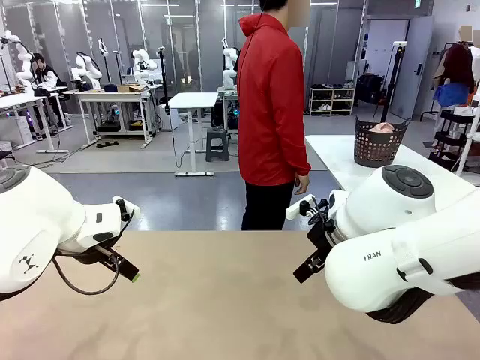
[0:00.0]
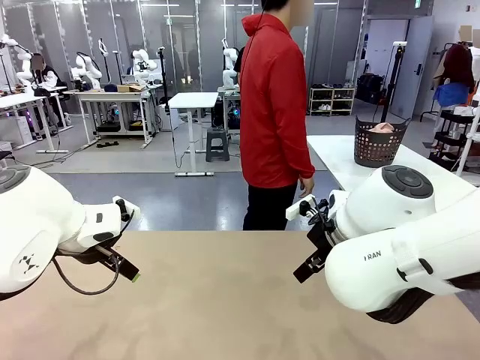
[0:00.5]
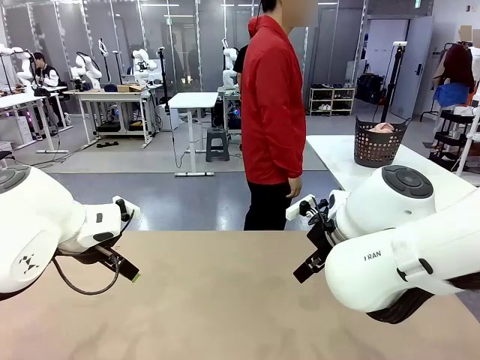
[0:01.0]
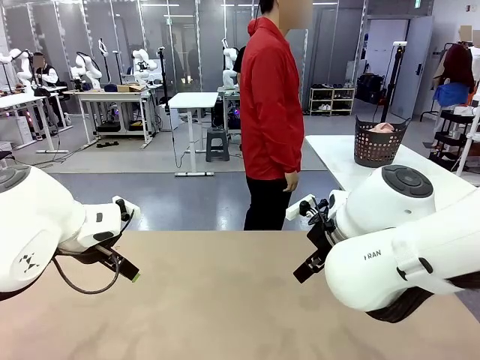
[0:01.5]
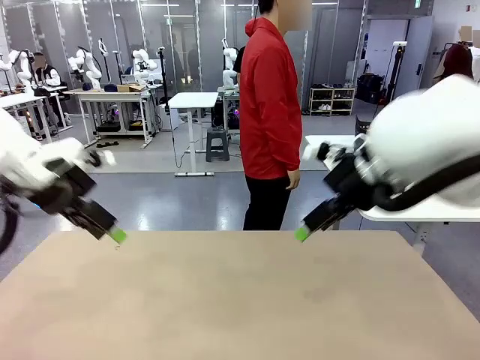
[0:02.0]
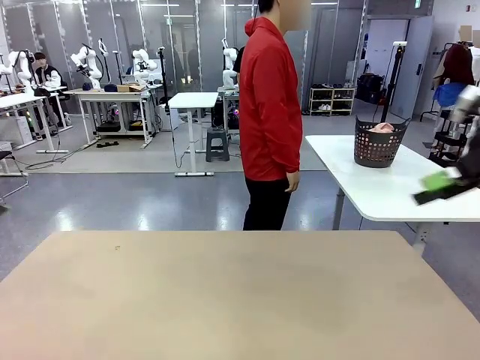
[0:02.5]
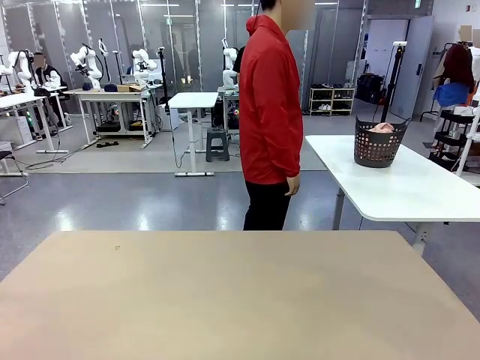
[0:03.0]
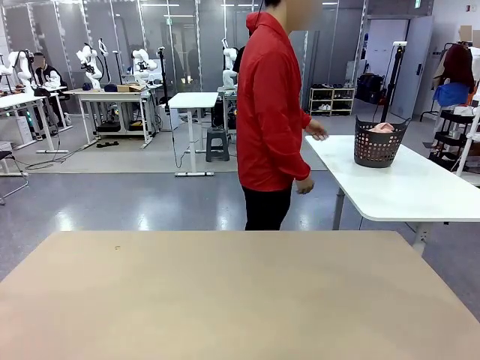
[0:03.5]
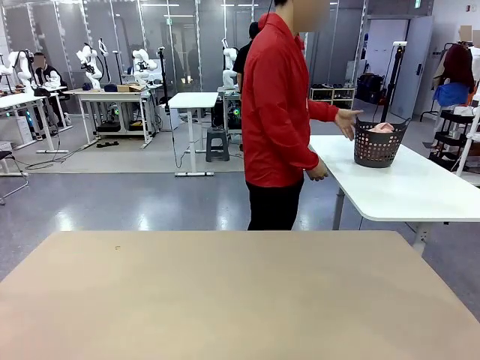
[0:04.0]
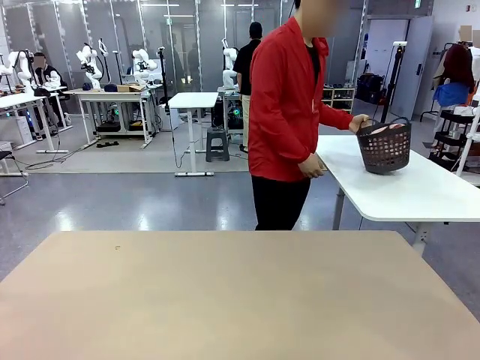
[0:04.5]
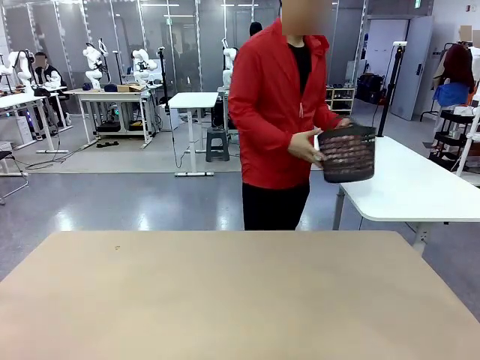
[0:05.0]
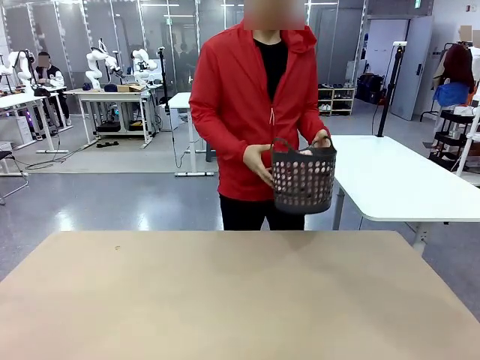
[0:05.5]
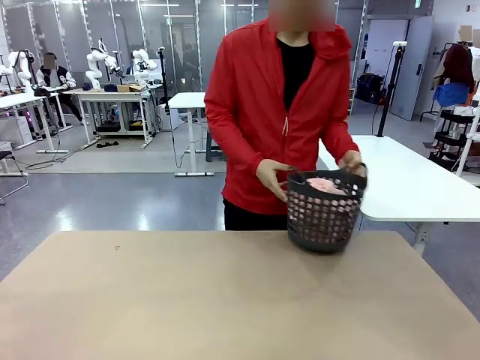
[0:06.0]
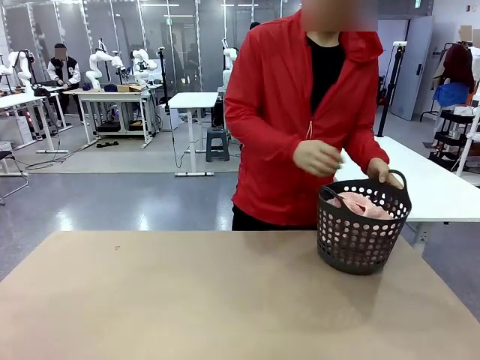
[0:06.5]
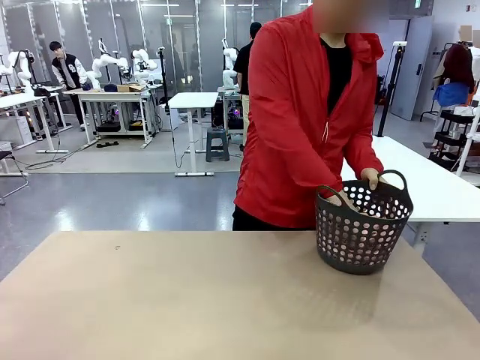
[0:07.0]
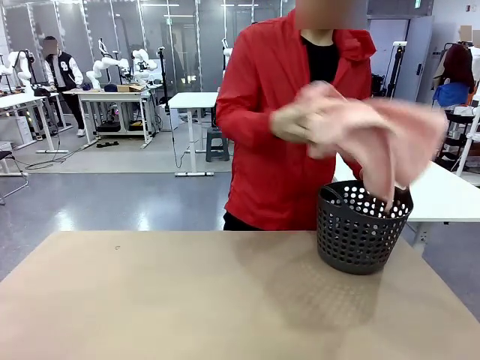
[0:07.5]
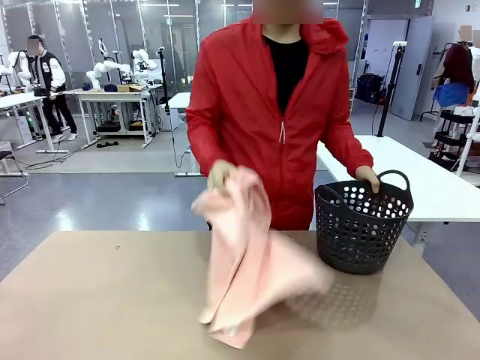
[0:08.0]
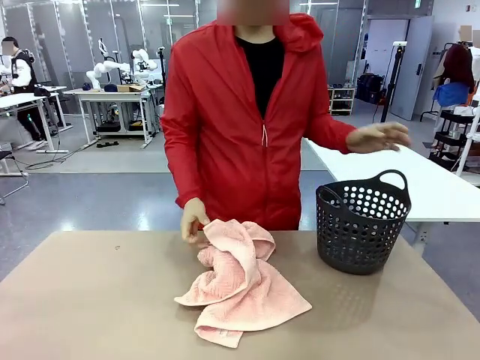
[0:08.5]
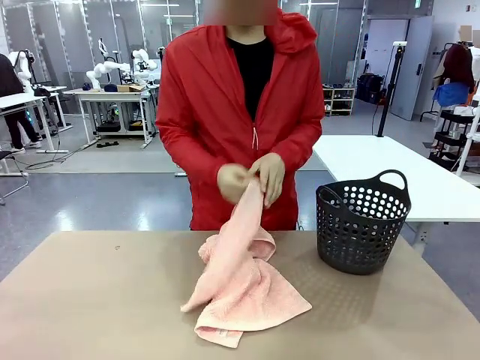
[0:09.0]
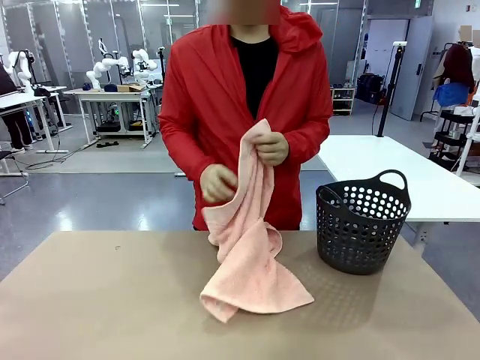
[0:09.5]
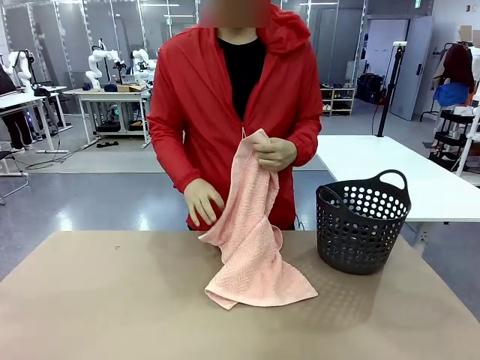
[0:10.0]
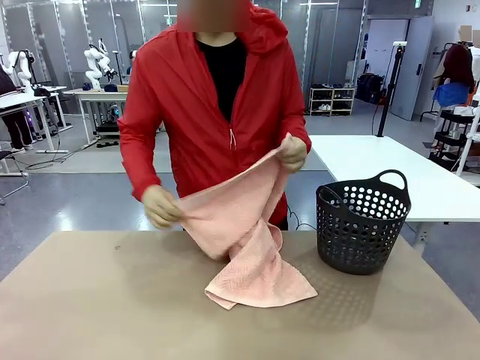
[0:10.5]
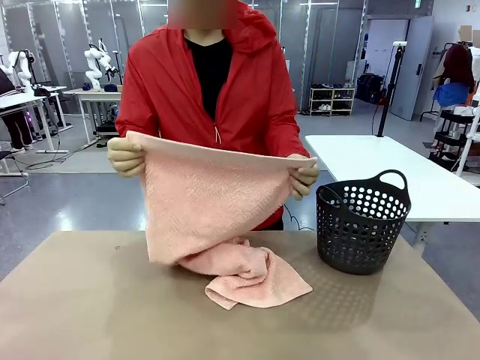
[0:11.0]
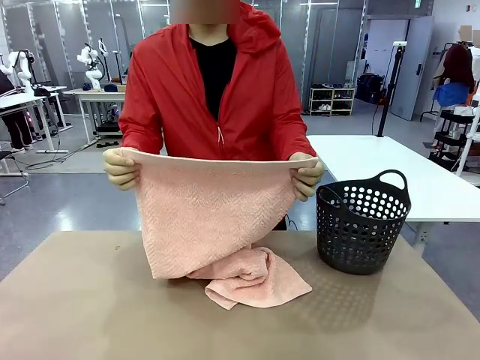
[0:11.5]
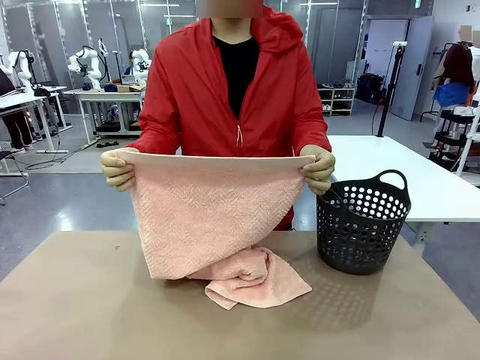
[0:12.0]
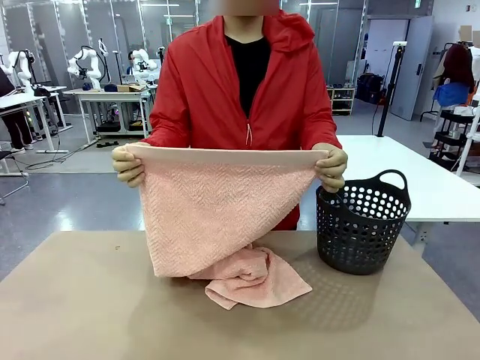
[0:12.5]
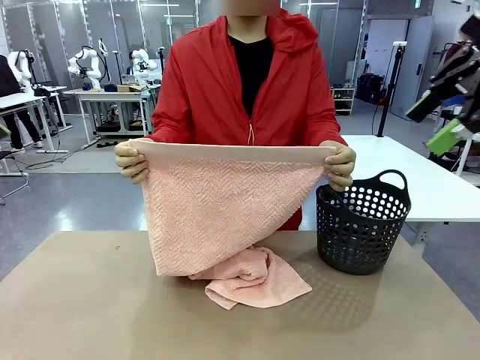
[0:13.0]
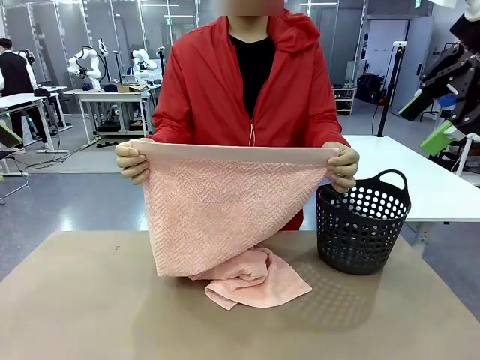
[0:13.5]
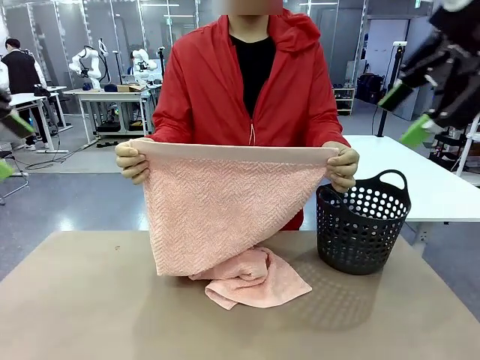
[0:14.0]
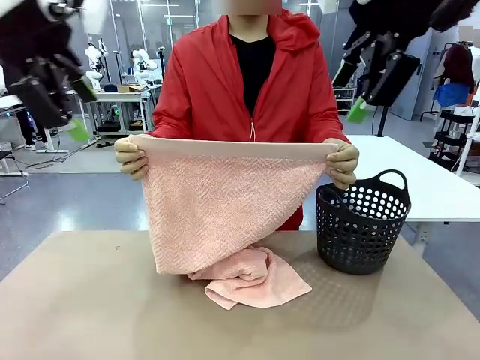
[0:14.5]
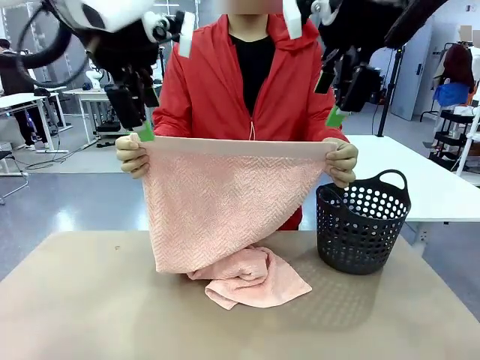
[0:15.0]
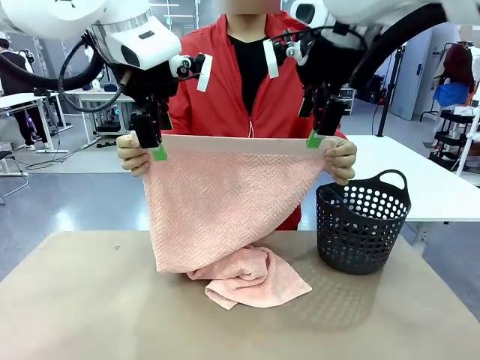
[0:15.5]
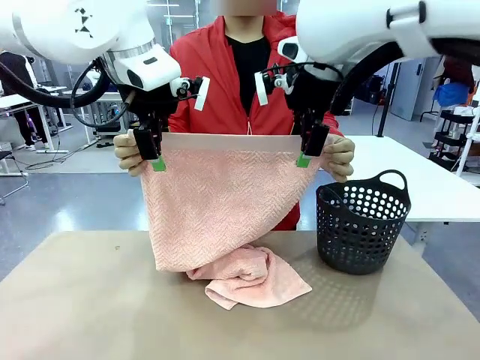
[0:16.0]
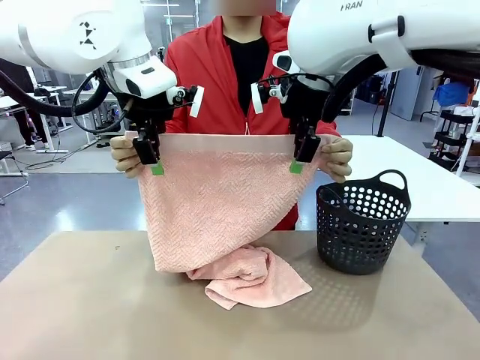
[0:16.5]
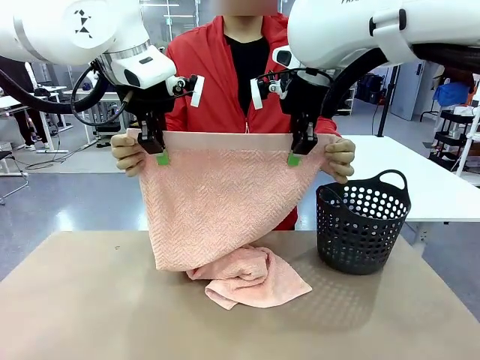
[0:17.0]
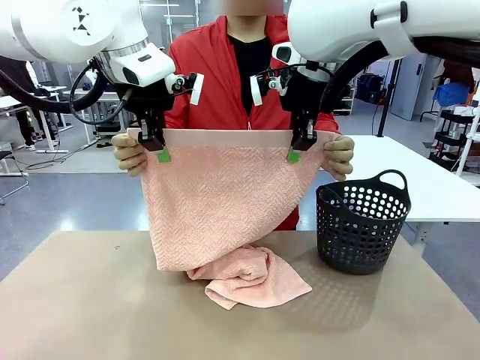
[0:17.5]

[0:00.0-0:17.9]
Task: Fold the towel.
Robot: Grab the top end of the 100 cm Hotel Towel extended by the human.
Person: Pick up the laundry basket, place it on the left side of the robot table, then take out a towel and hand it to the robot while holding both corners of one end.

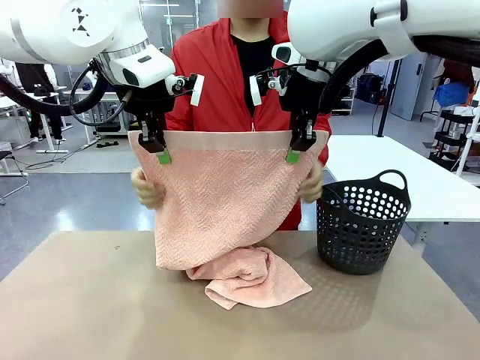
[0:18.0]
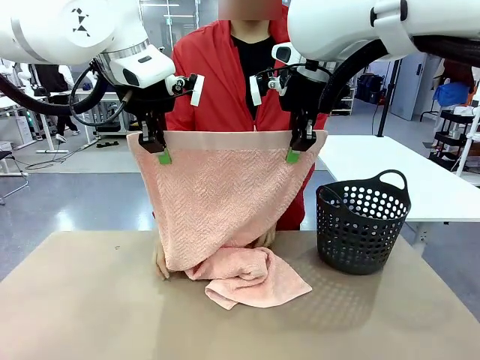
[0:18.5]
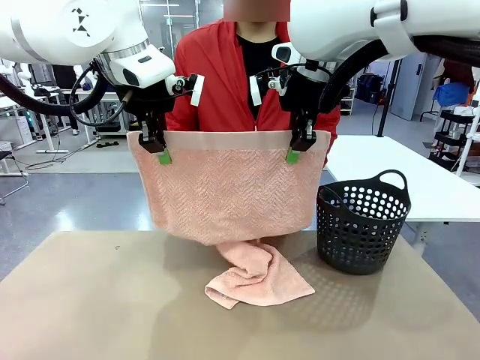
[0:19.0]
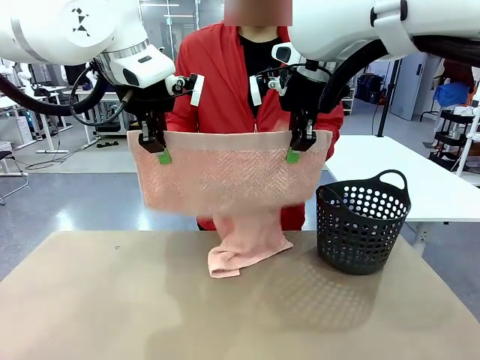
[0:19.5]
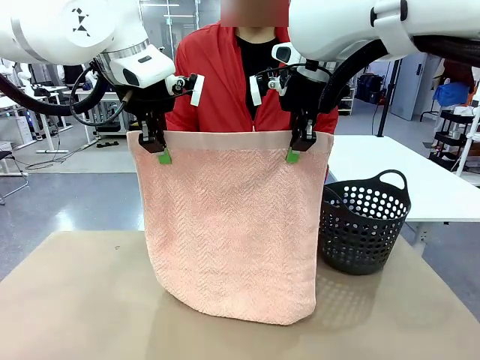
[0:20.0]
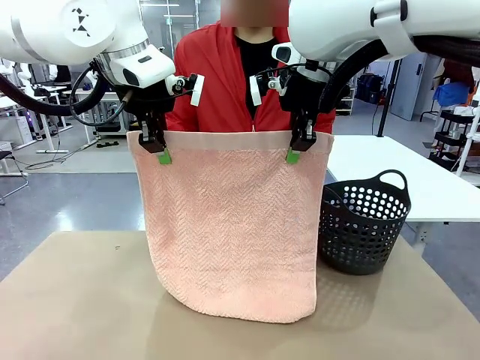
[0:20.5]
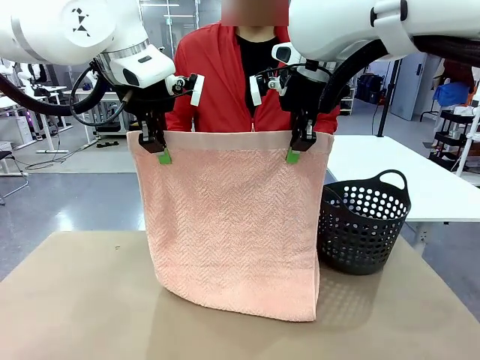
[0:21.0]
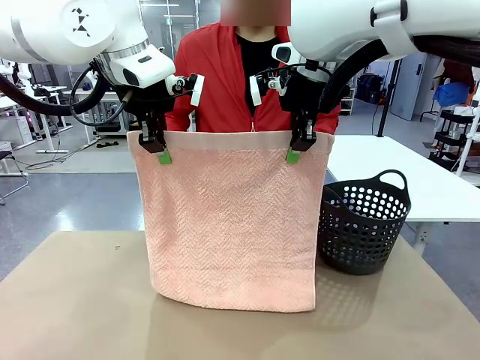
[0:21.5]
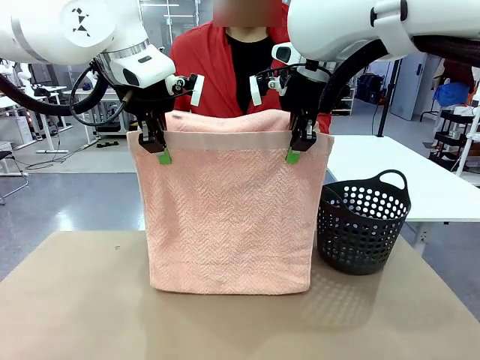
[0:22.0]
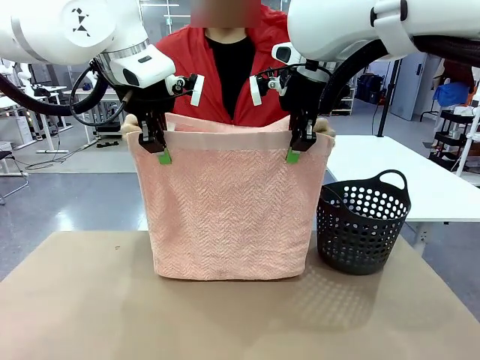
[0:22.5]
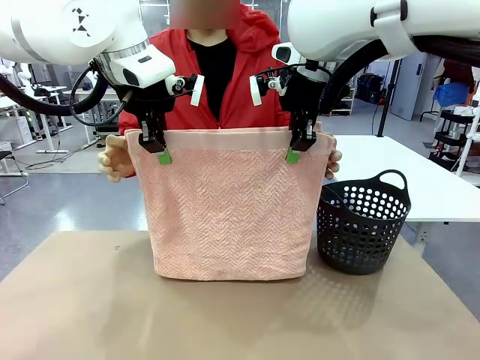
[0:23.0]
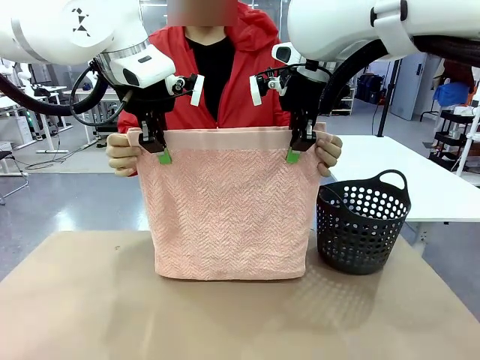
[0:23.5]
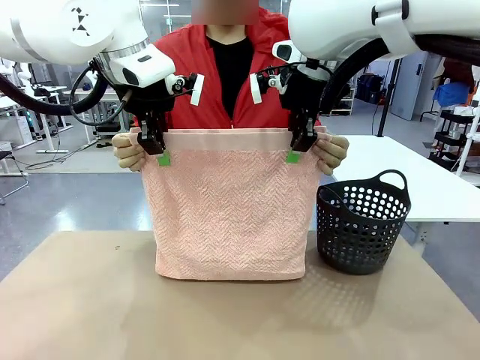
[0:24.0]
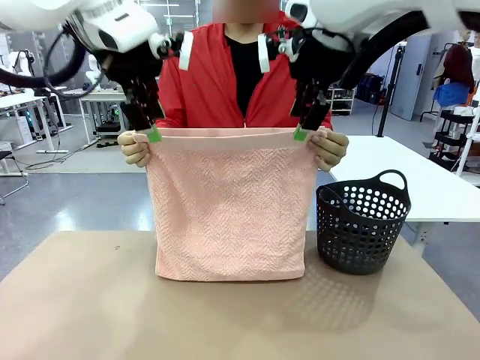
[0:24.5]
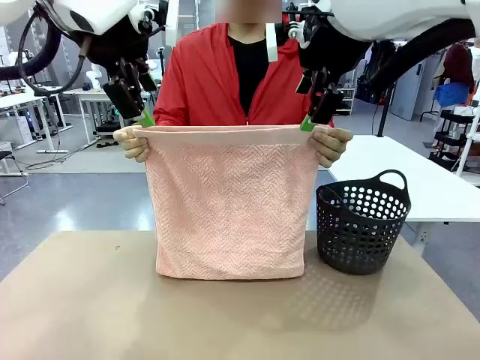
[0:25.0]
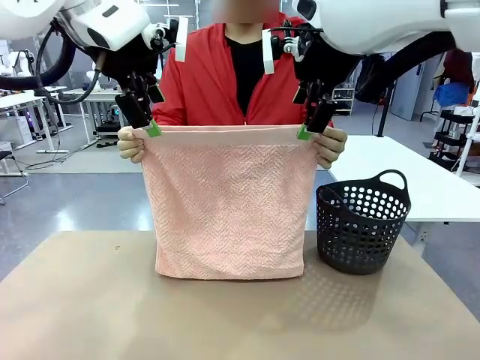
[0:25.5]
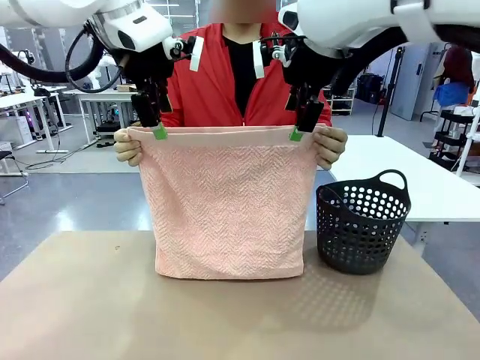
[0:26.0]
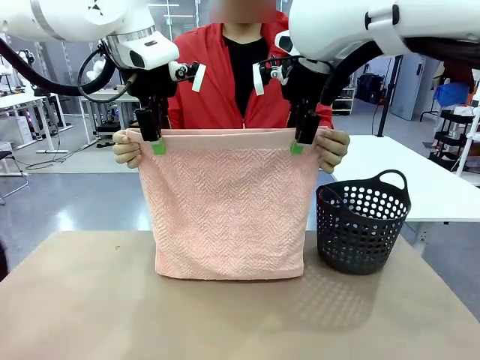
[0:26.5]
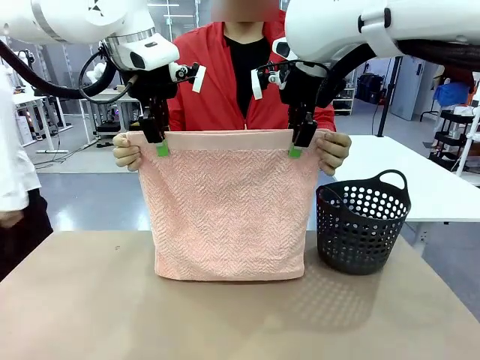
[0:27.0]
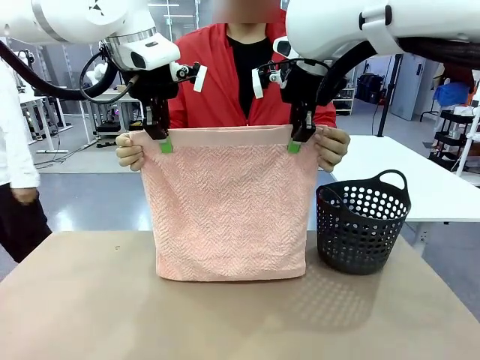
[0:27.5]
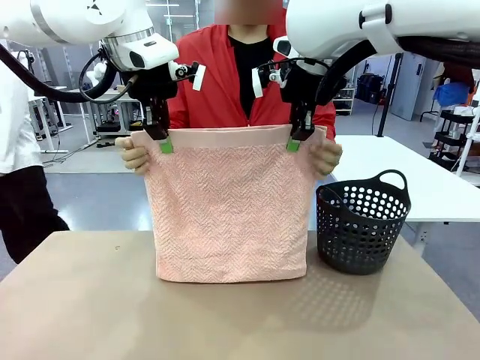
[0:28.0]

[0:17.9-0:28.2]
Robot: Release the end of the 100 cm Hotel Towel you were holding and grab the top end of the folded side.
Person: Using the point held by the robot as a reference, grasp the opposite end, fold the towel in half, and then hold both ends of the folded towel.
